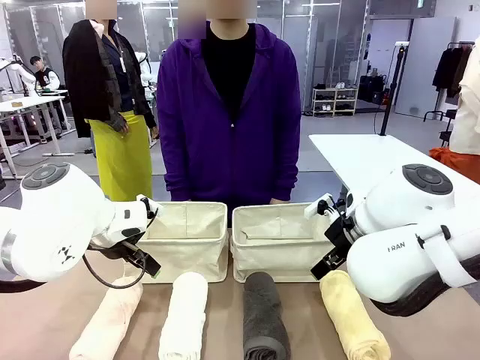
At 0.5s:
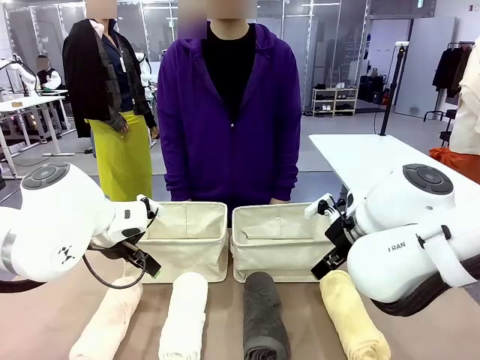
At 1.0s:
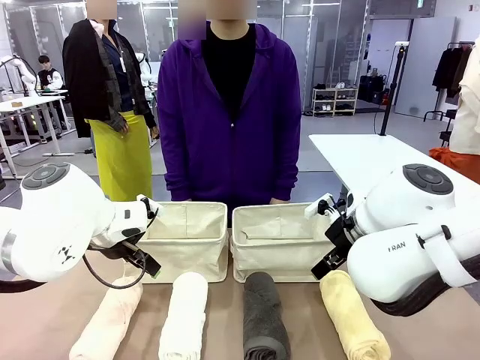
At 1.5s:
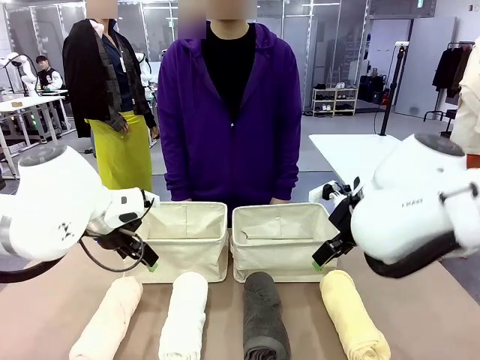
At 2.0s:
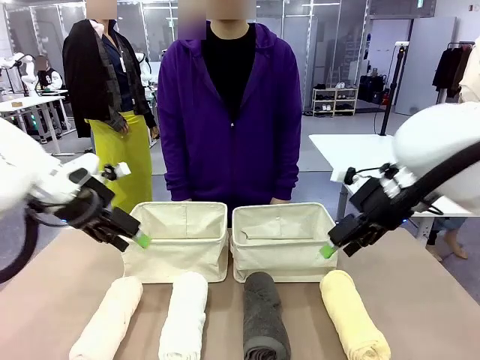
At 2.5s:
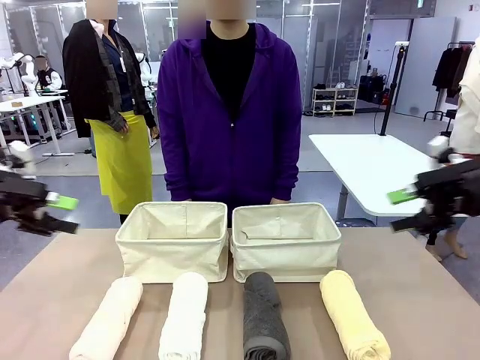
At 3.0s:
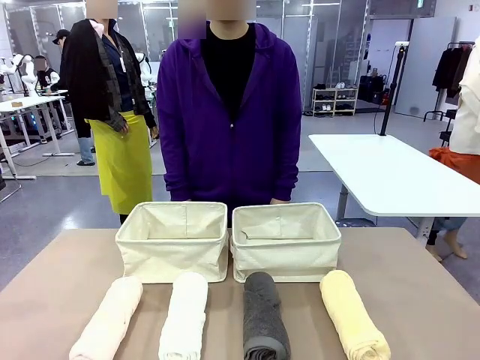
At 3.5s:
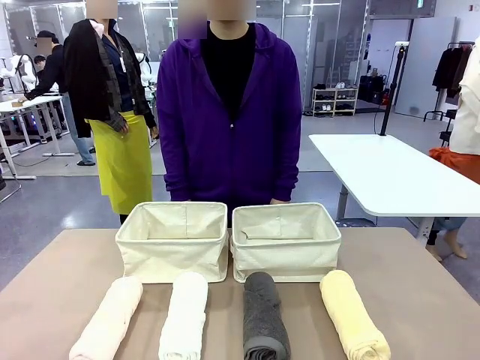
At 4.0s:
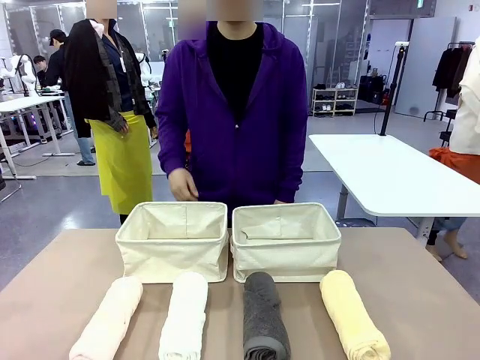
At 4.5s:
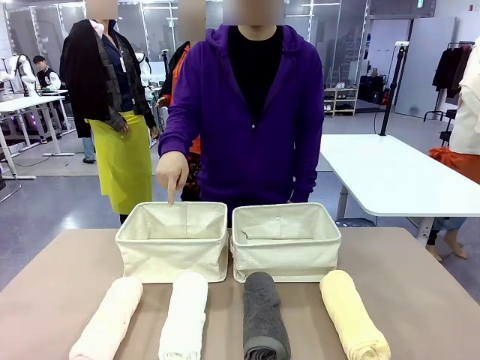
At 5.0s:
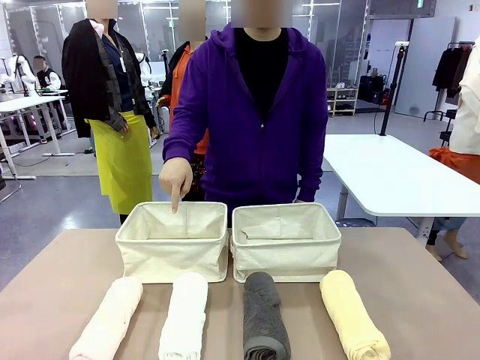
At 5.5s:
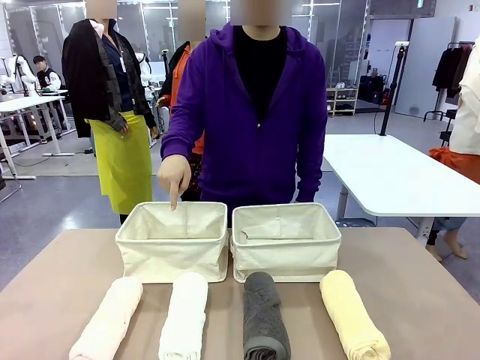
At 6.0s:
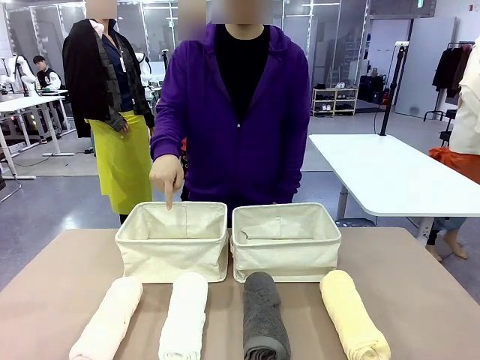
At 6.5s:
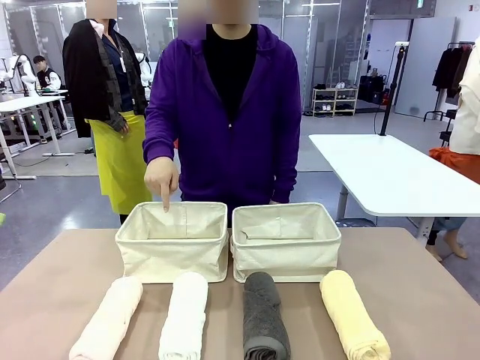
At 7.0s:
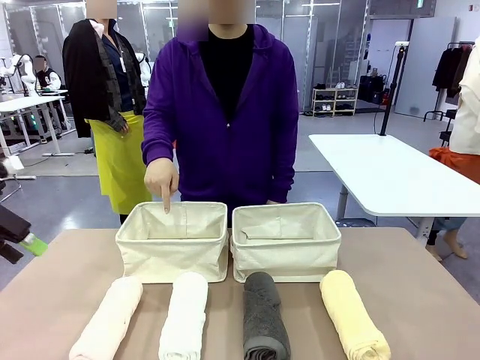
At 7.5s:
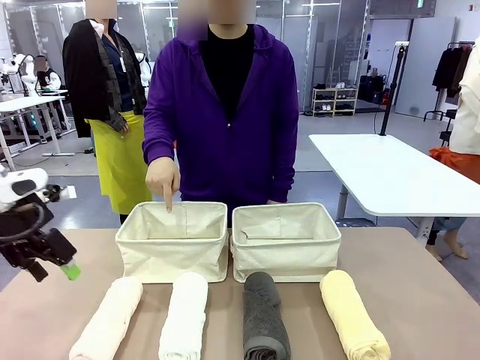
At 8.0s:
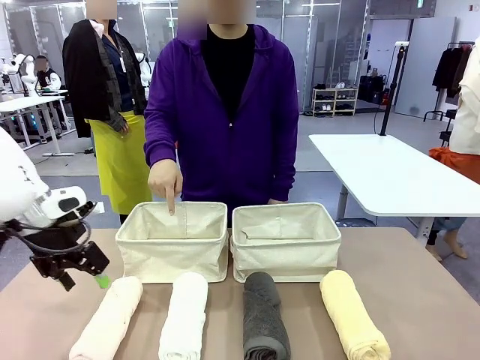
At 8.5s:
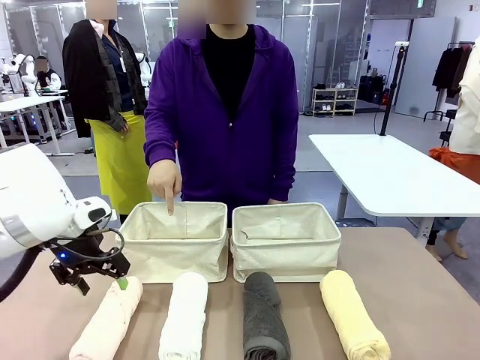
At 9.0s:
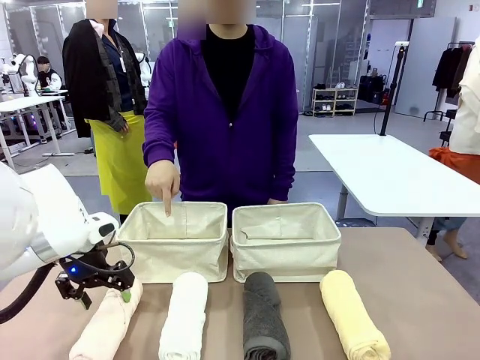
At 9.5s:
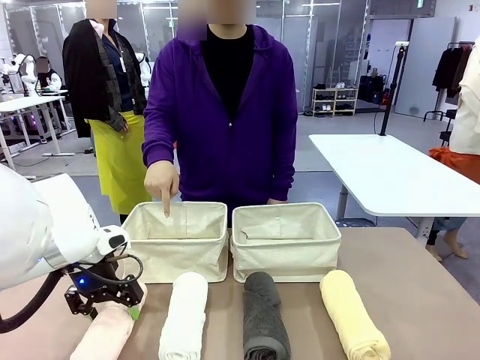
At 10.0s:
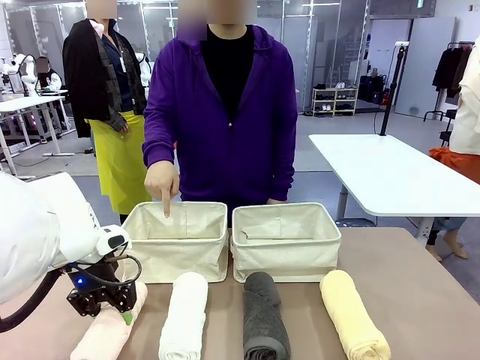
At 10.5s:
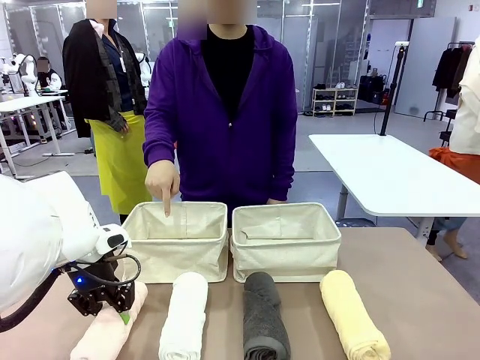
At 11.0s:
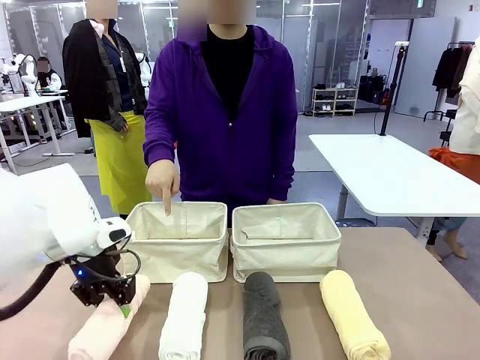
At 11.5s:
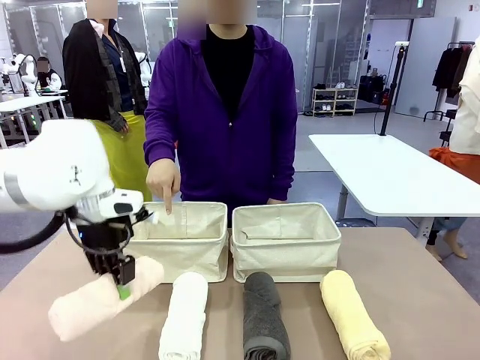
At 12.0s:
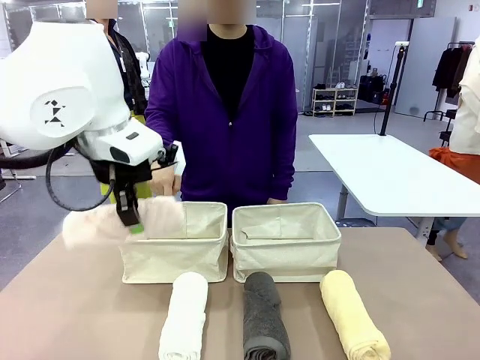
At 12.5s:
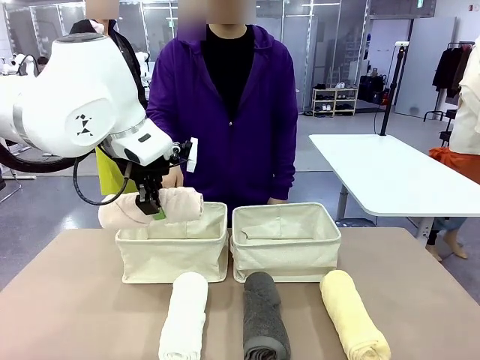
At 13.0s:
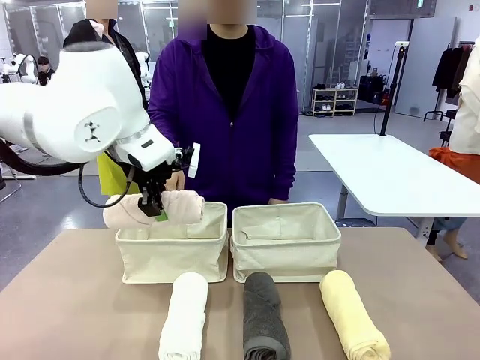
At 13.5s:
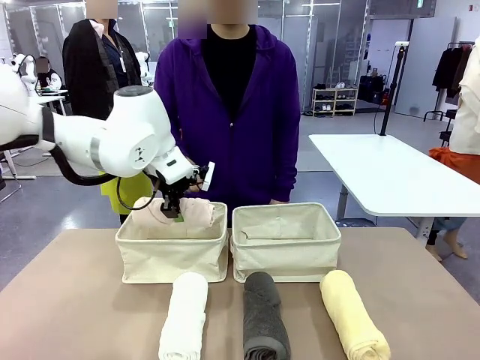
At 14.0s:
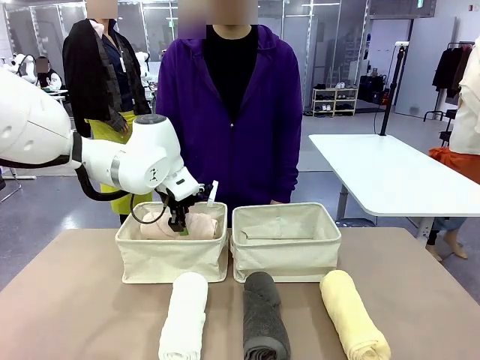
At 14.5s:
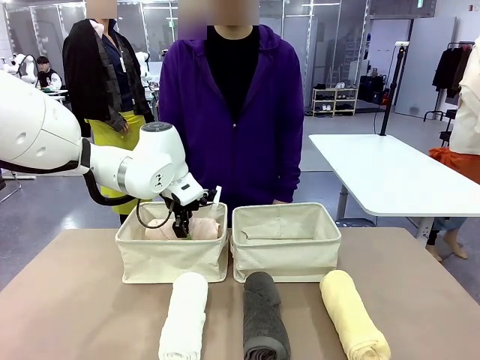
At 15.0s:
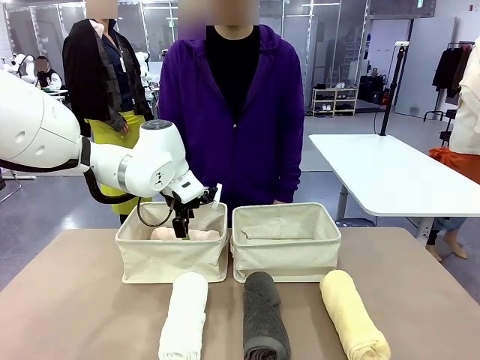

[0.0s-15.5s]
Task: Divide the towels into two baskets.
Robot: Pick up one hotel-folded towel and place it in the Fabric basket indicated by the person.

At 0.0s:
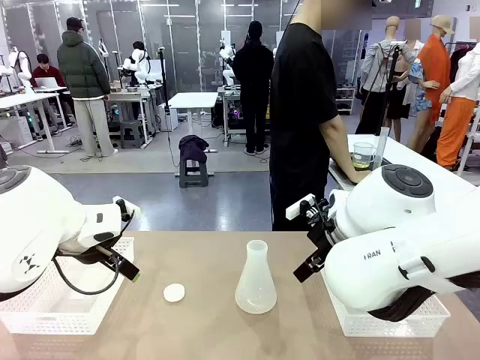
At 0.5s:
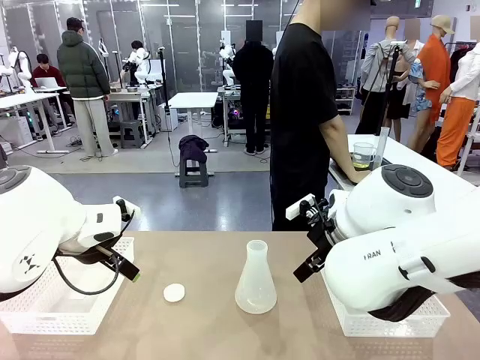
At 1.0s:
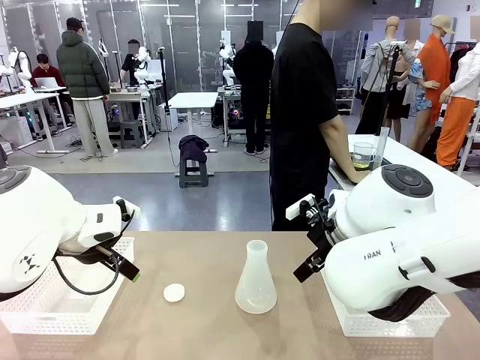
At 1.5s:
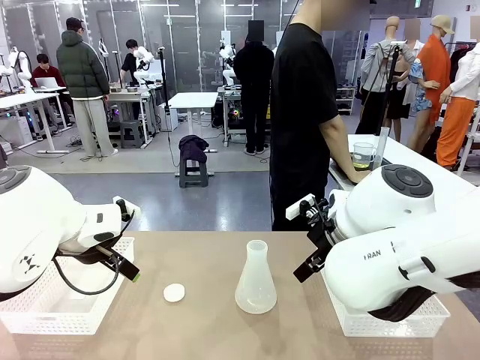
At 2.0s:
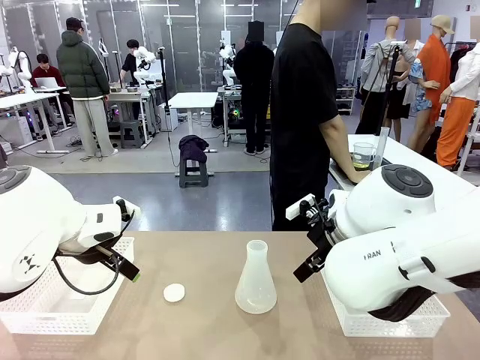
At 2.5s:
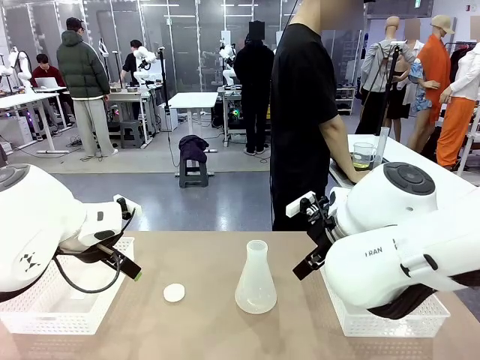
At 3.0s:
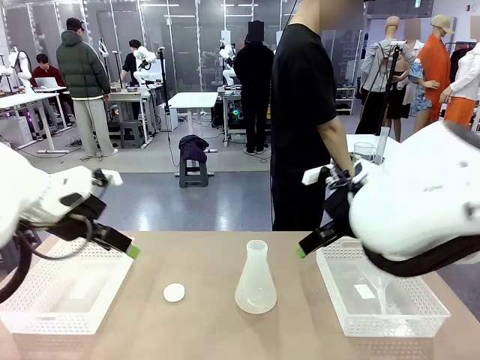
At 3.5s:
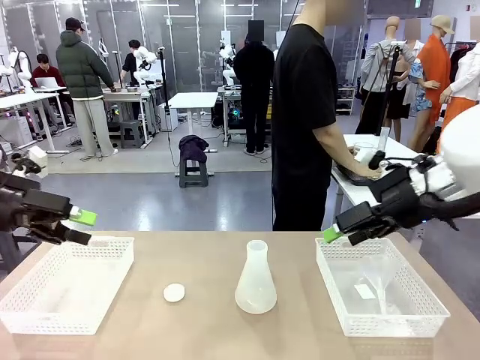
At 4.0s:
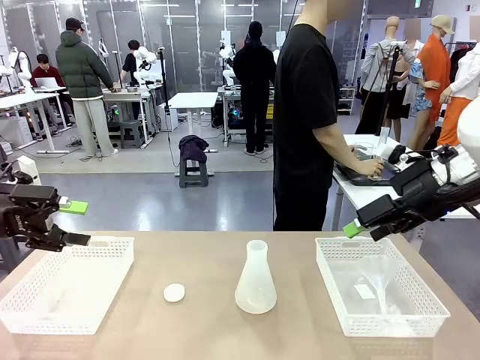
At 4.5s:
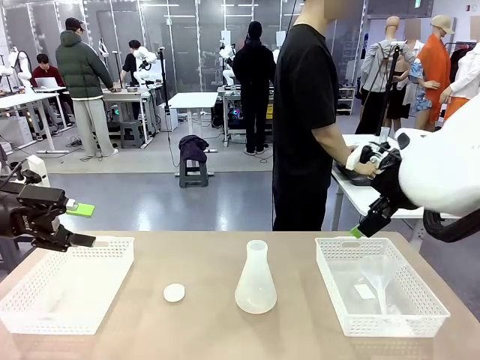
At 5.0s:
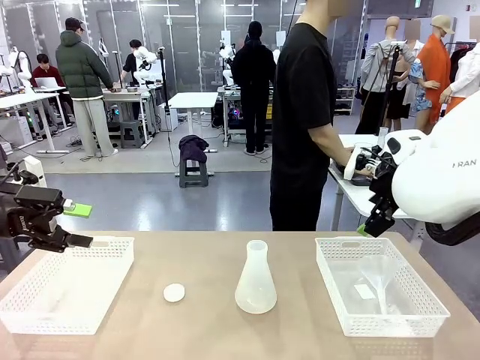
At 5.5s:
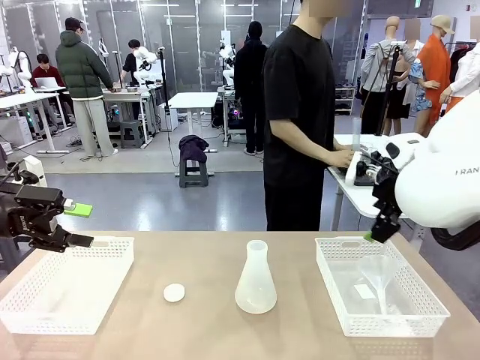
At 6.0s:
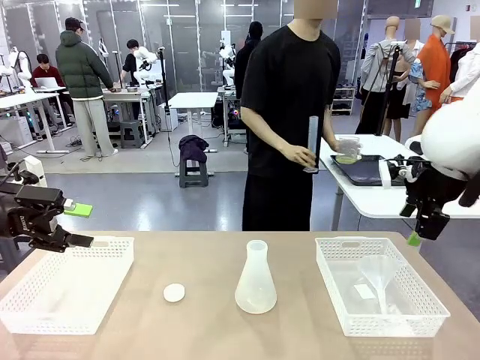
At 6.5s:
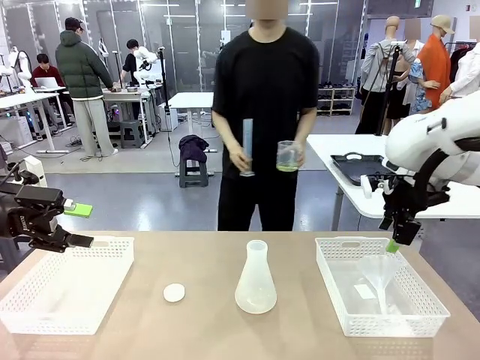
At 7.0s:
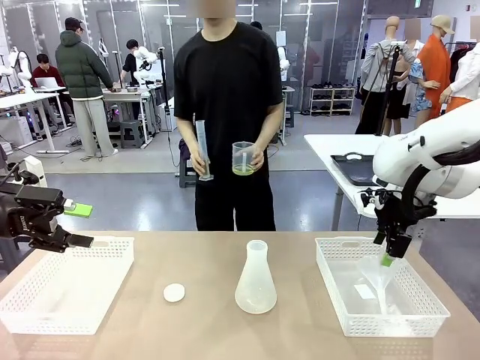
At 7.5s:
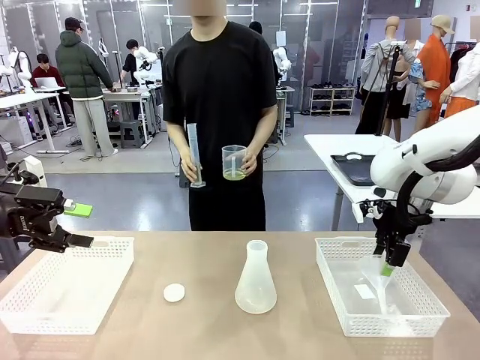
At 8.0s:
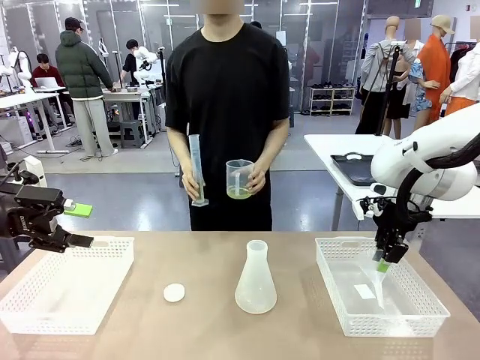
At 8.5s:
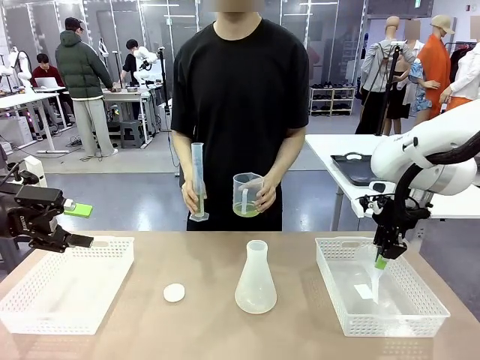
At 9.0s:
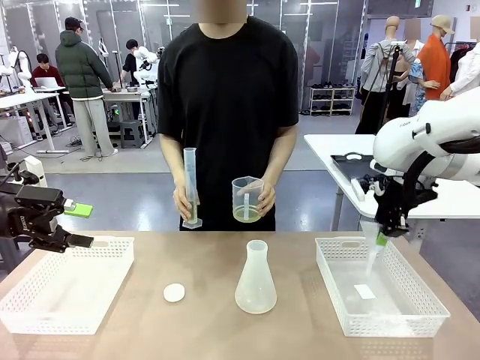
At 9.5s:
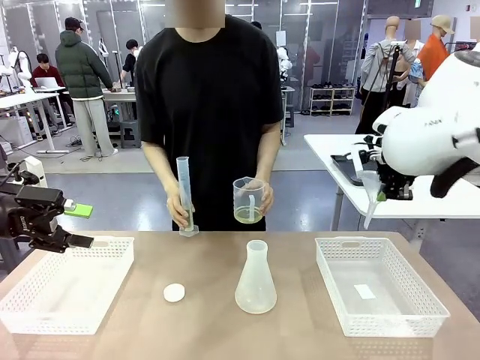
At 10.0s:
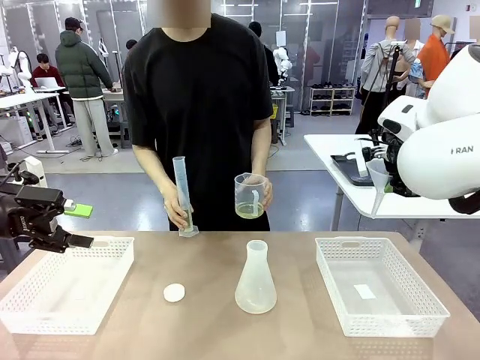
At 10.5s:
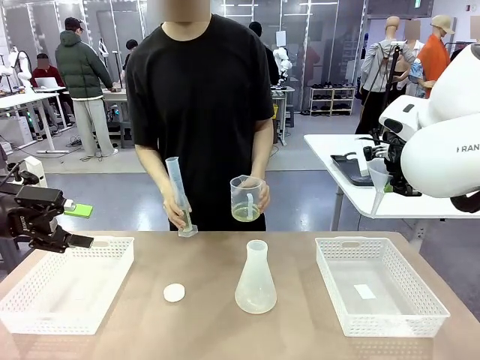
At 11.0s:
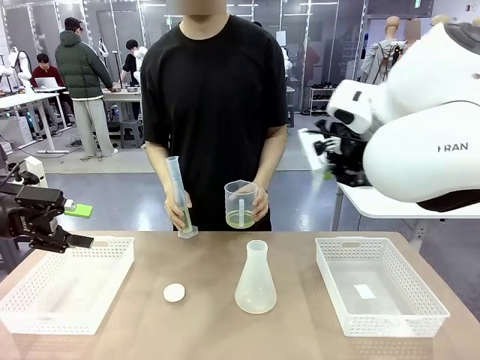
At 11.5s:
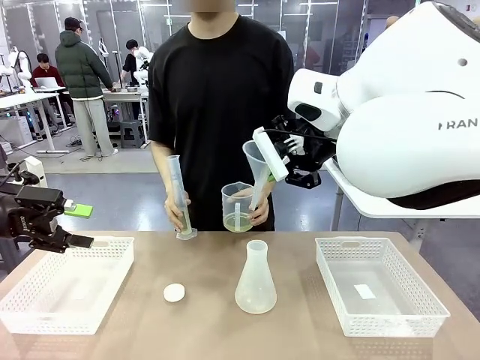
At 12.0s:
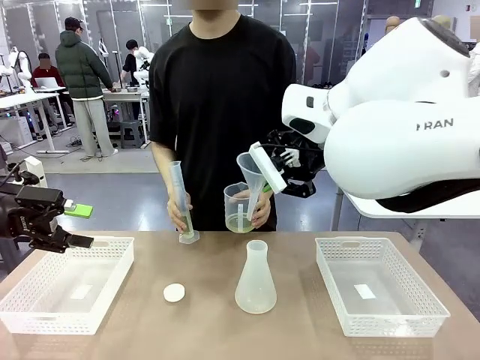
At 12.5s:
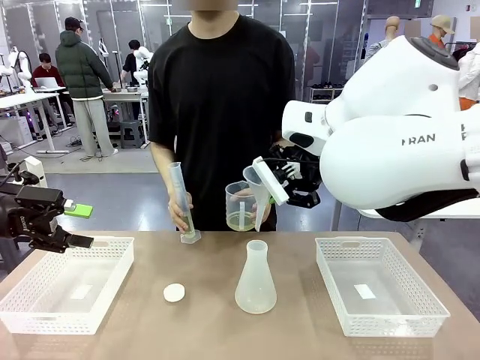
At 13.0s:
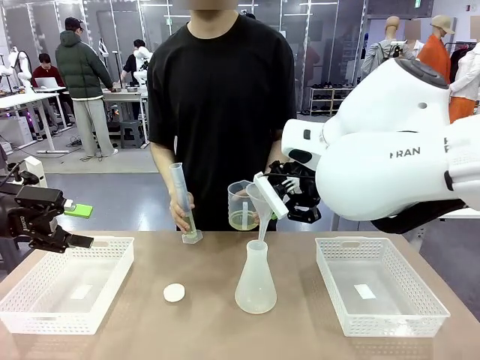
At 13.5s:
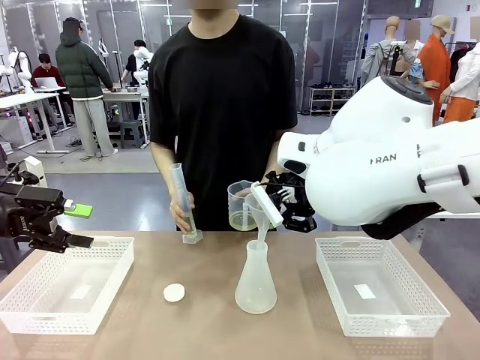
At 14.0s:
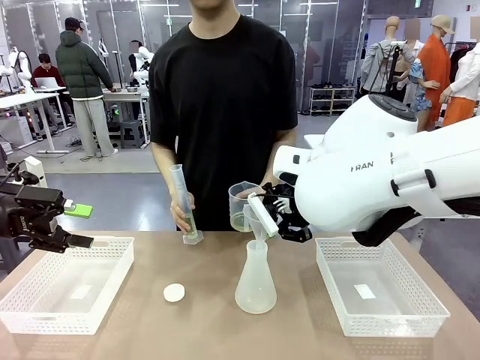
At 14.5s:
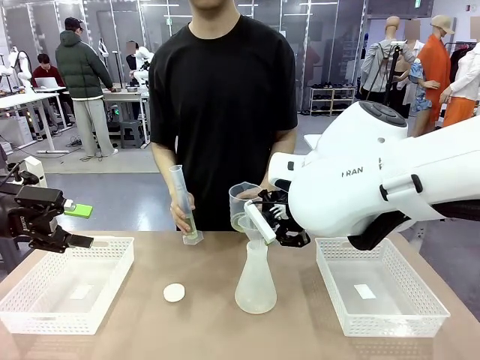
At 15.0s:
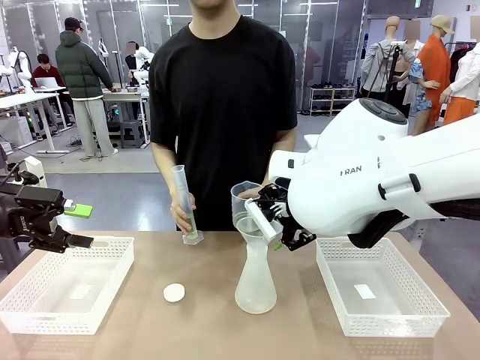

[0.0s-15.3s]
Task: Prepare the solutions needed for the experiment.
Robot: Pick up the Plastic Funnel and insert it into the Big flask.
Person: Pick up the beaker and the cylinder and move to the middle of the robot table.
